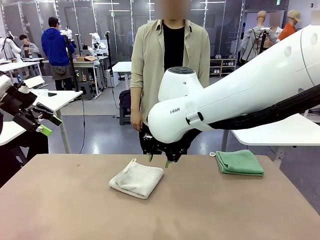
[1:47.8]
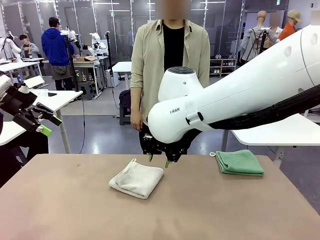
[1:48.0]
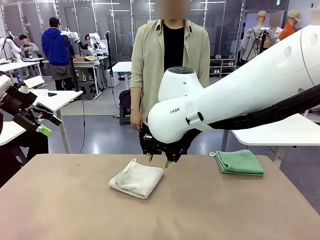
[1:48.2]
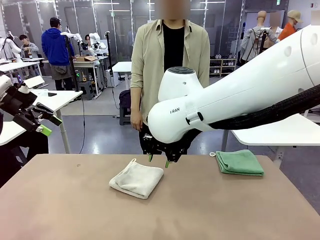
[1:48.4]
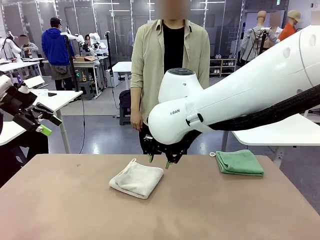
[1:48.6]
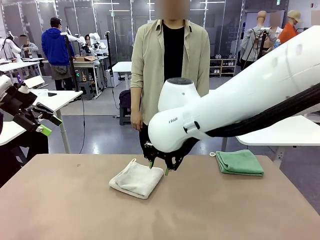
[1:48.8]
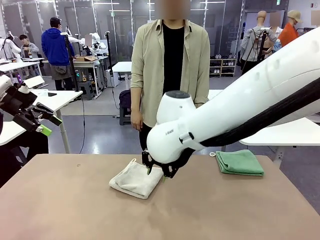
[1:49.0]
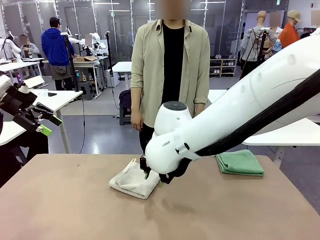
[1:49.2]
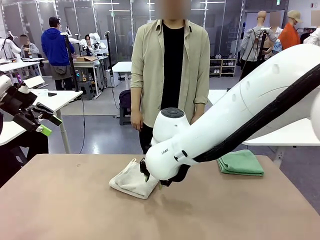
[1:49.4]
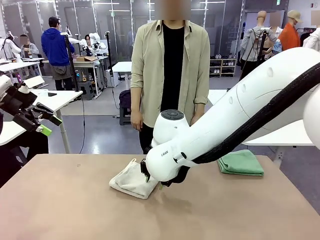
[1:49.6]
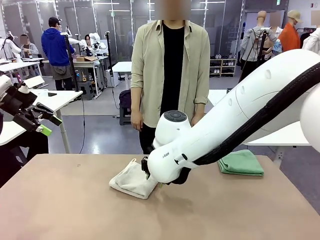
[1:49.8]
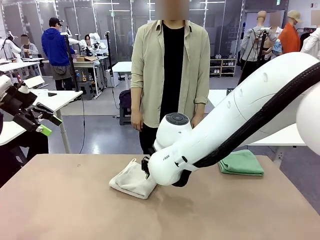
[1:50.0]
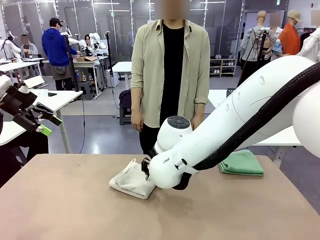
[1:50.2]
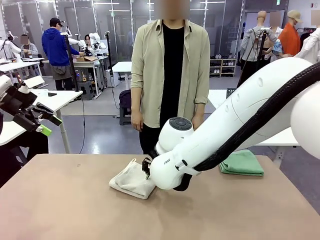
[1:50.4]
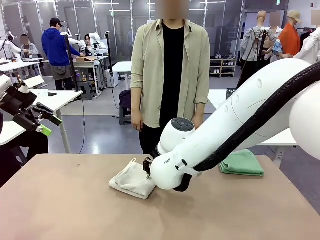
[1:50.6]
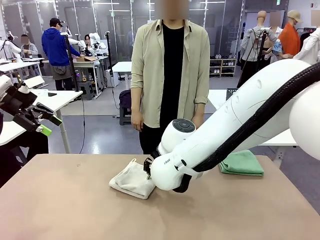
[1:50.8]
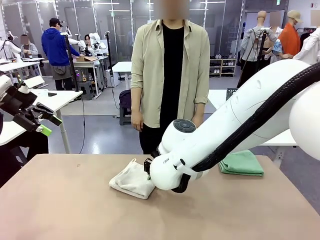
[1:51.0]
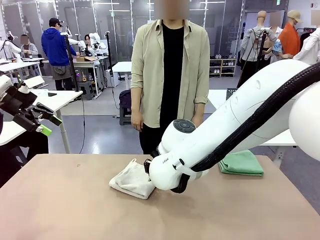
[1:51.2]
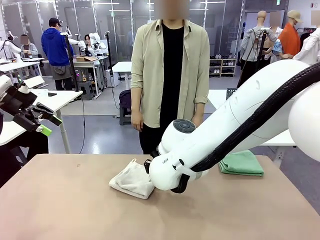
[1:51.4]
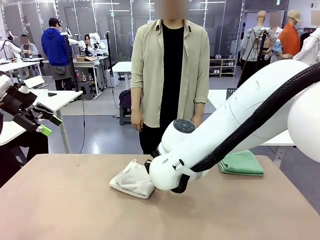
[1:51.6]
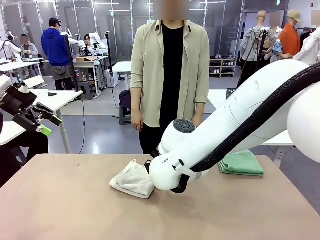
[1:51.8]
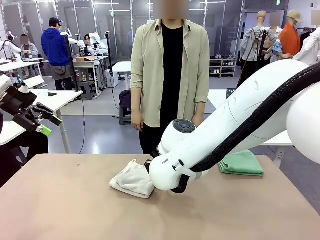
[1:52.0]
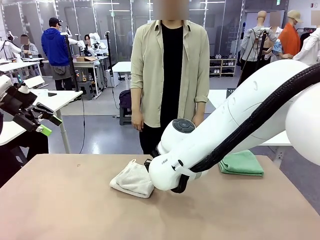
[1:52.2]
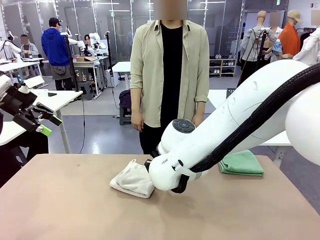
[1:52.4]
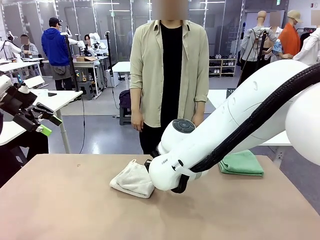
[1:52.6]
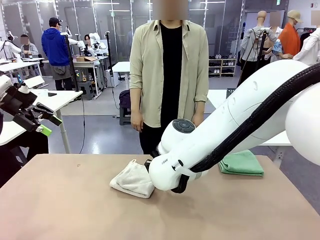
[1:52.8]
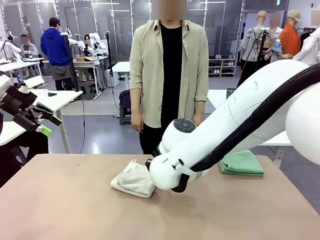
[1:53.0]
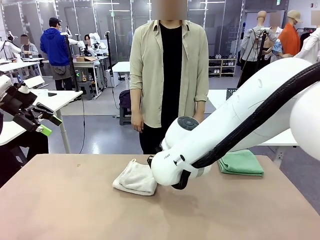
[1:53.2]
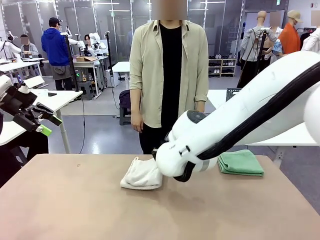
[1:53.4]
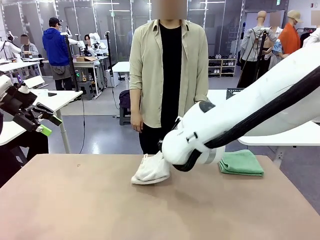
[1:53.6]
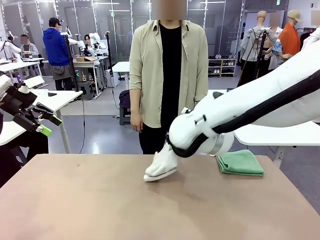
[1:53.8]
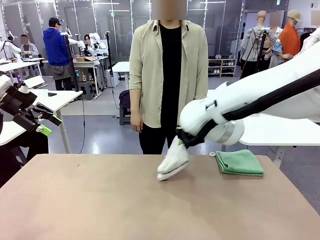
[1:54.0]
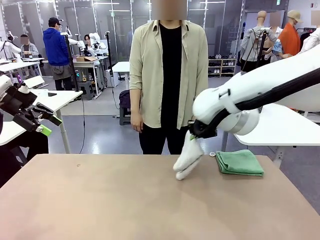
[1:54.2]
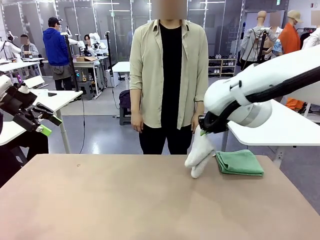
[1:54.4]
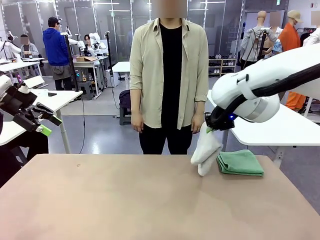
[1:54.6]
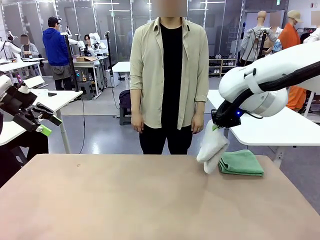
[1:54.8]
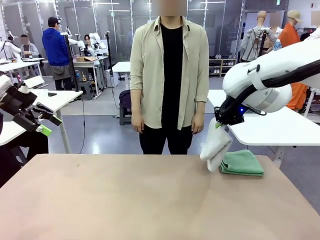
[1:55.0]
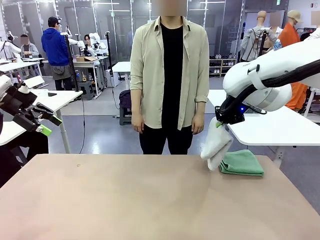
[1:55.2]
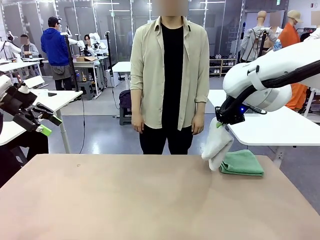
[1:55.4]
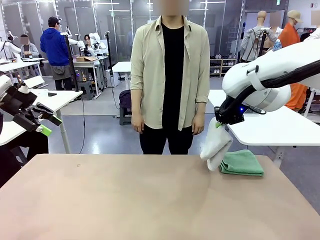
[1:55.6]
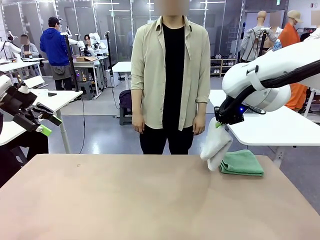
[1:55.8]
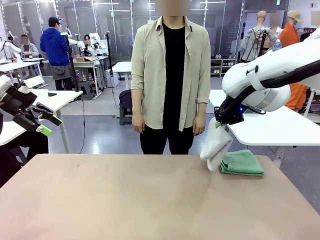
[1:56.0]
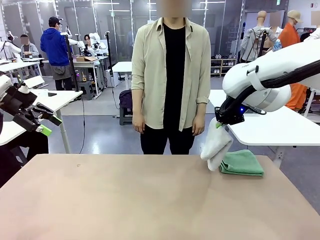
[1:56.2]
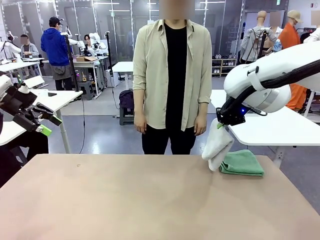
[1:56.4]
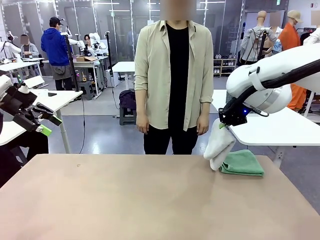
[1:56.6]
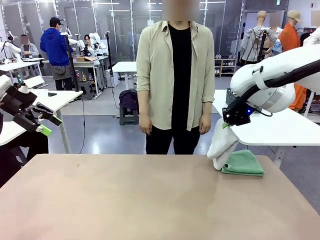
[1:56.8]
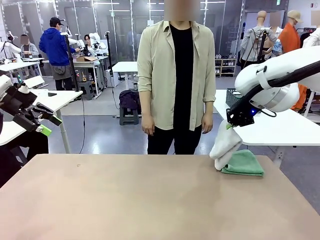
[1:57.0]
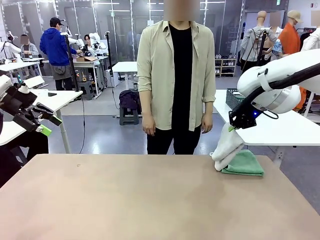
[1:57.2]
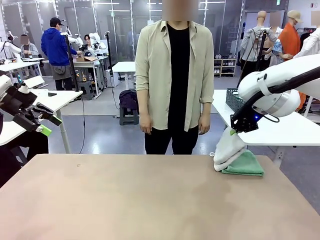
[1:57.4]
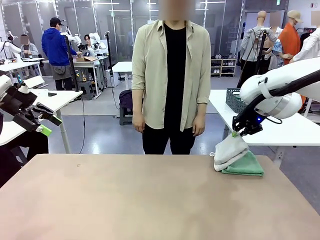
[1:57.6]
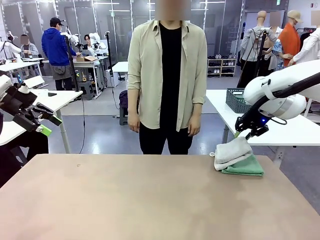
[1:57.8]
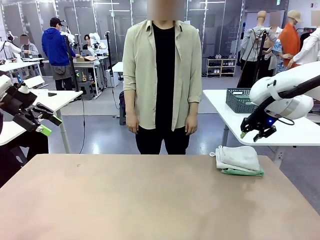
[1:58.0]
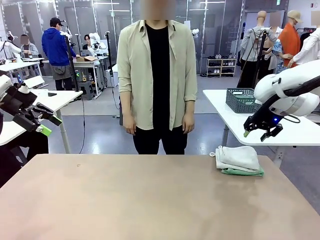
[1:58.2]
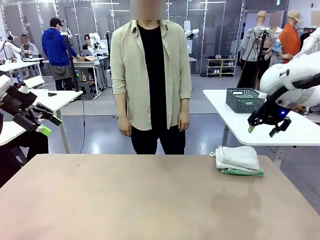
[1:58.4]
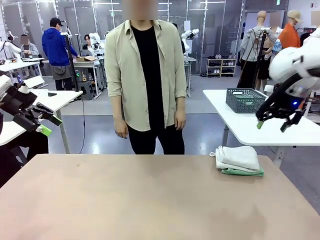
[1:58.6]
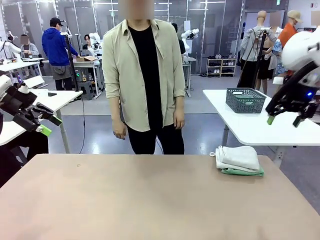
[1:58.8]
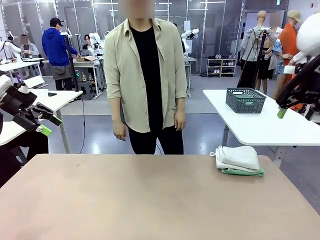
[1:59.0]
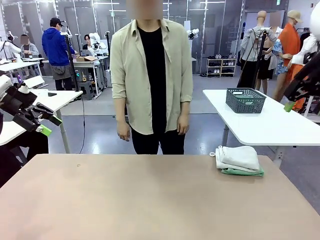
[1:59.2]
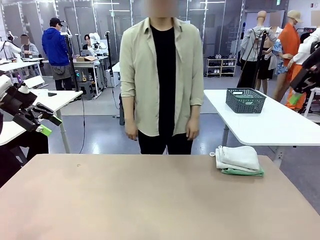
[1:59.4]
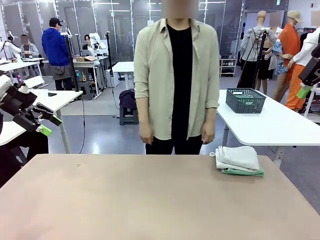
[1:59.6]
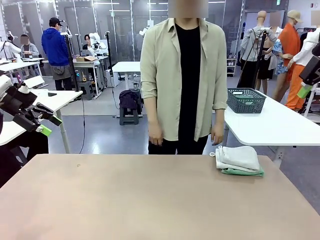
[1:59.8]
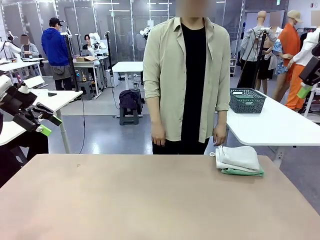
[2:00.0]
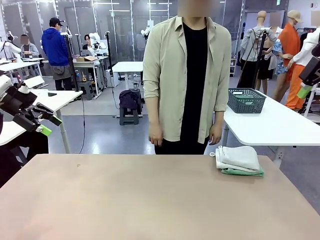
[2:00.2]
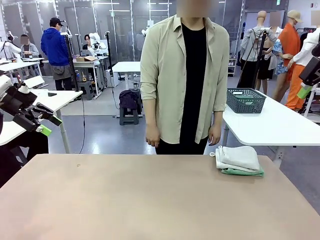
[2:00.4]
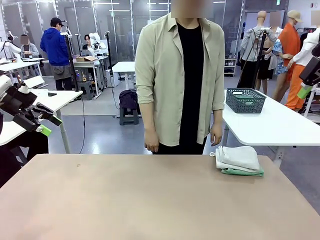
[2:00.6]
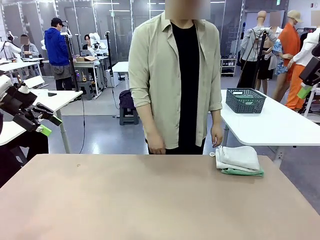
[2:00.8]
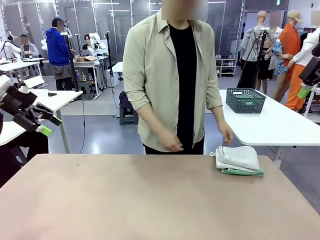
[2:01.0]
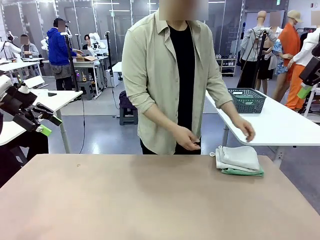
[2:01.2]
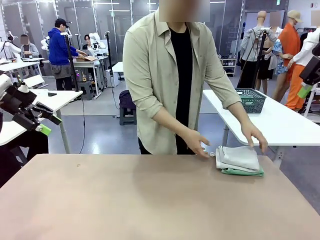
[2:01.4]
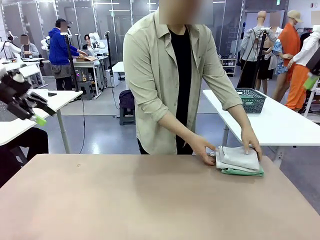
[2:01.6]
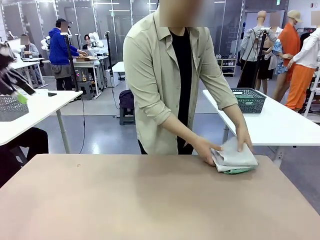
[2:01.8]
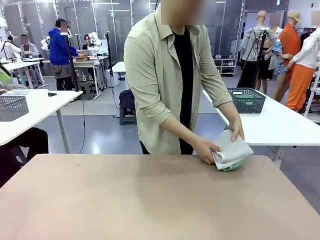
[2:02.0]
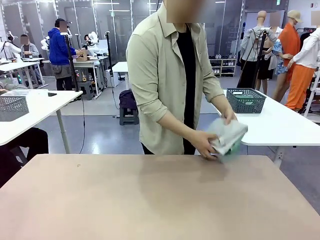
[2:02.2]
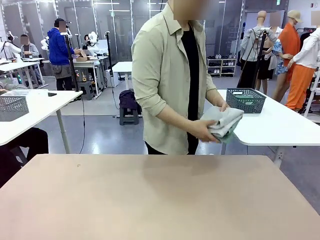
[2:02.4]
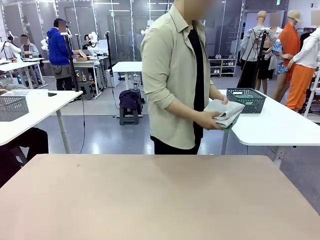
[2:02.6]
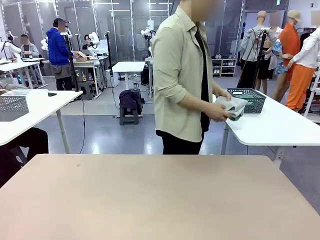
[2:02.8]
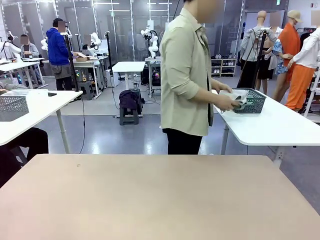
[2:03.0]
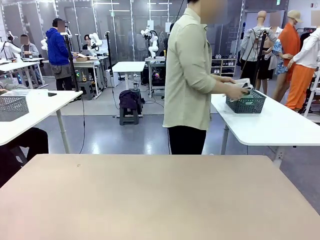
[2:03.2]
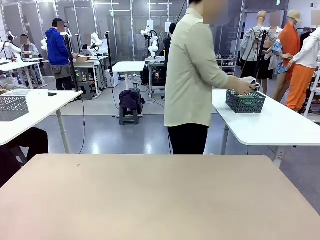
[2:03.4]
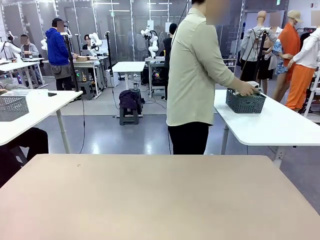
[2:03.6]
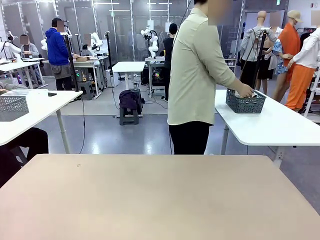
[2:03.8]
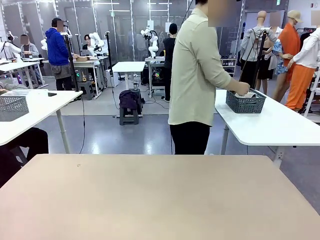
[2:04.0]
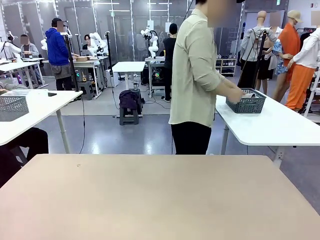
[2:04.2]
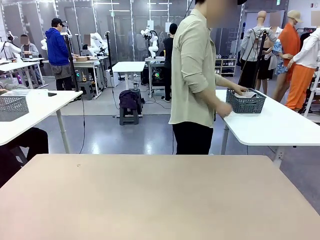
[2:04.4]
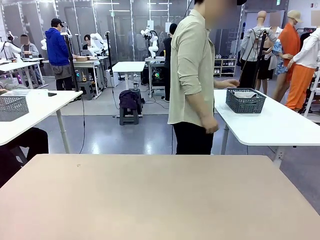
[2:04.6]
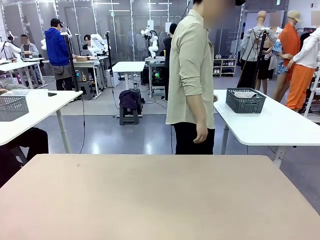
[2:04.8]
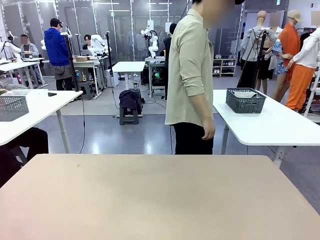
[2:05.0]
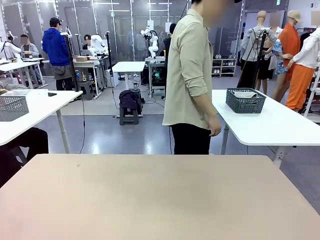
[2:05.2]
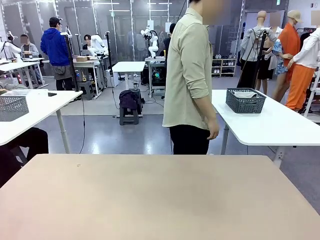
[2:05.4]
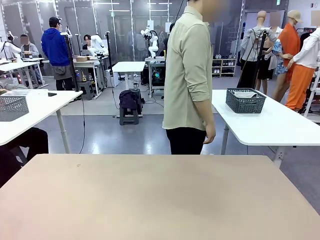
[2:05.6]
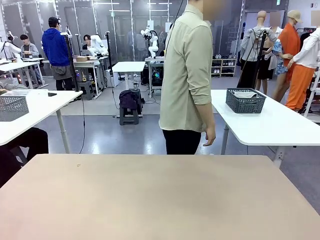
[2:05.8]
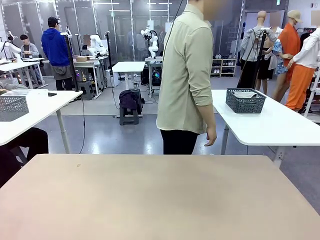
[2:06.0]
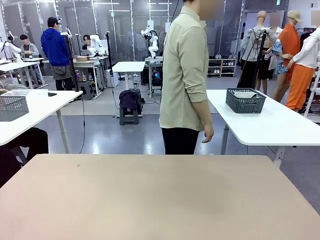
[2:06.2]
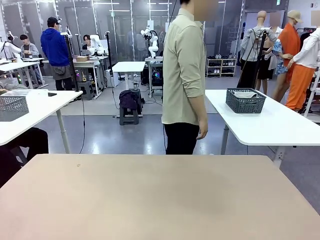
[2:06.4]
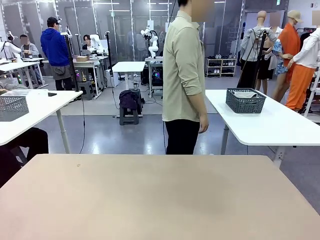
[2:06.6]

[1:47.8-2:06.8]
Task: Fold the towels and place them in the basket.
Robot: Stack the folded Towel with hook on the right side of the table.
Person: Pick up the stack of towels from the robot table and place it into the basket.
